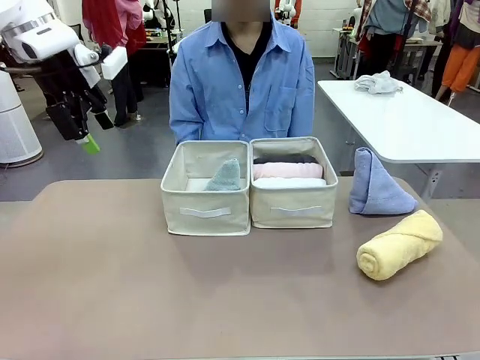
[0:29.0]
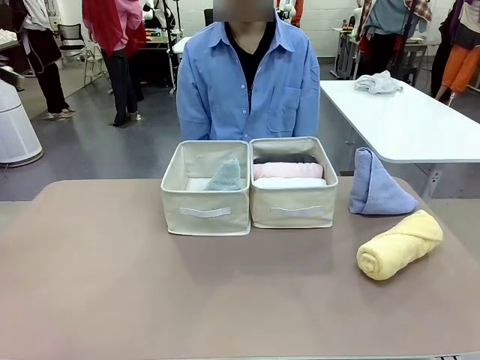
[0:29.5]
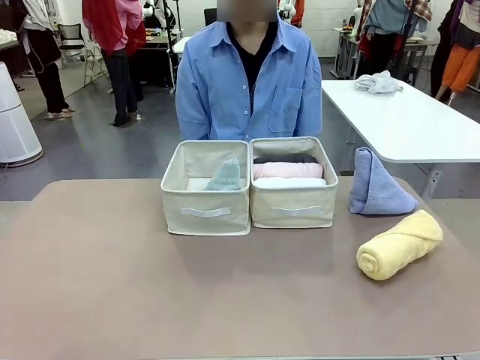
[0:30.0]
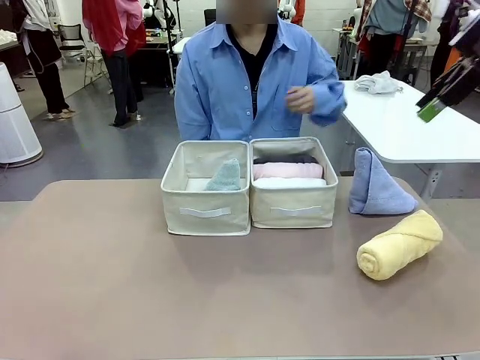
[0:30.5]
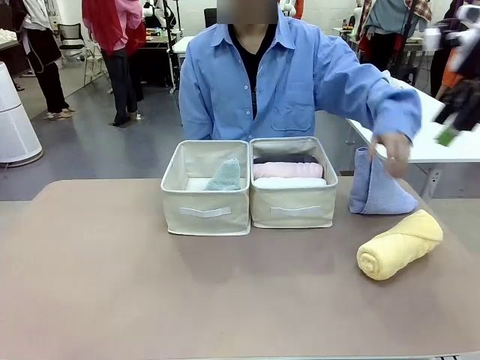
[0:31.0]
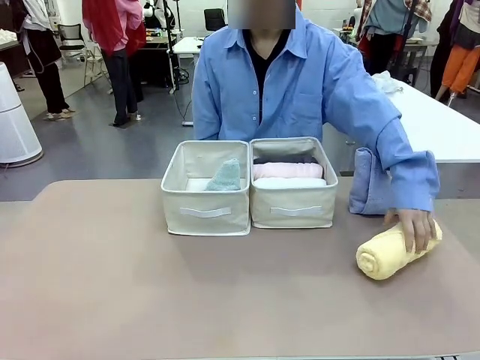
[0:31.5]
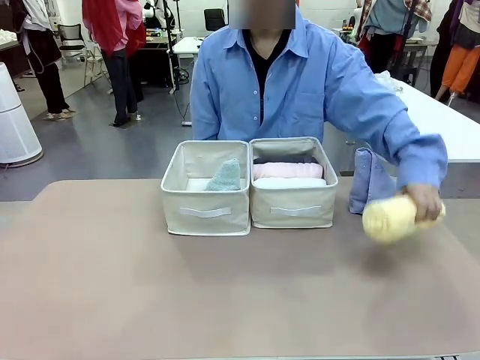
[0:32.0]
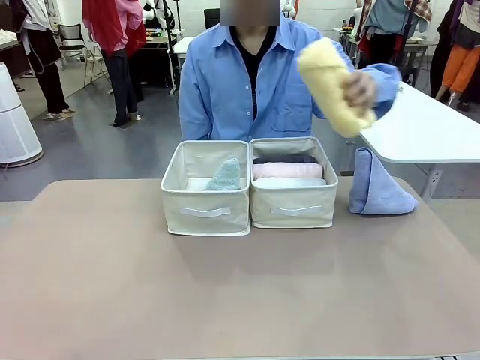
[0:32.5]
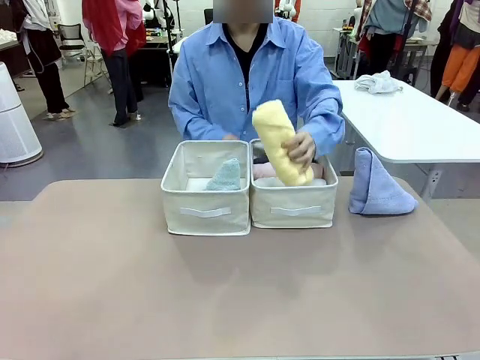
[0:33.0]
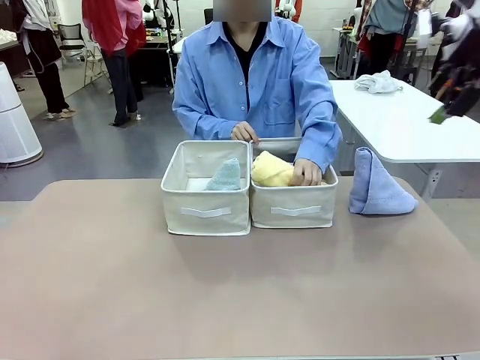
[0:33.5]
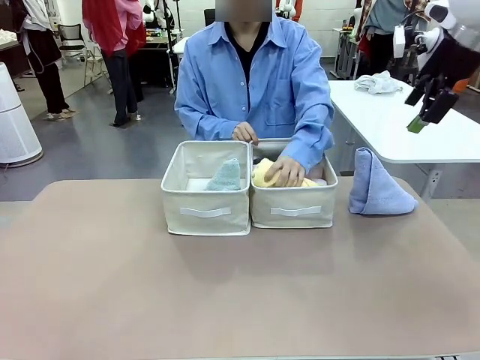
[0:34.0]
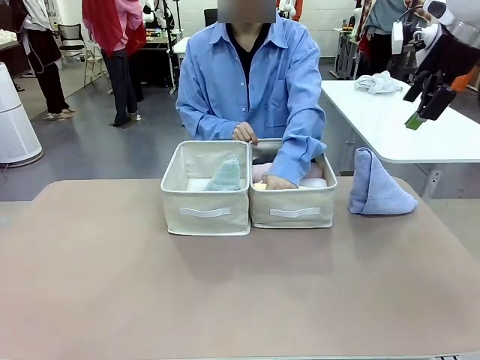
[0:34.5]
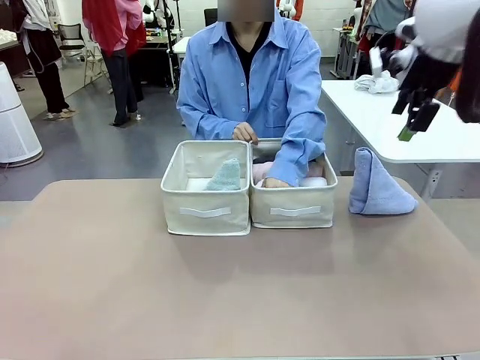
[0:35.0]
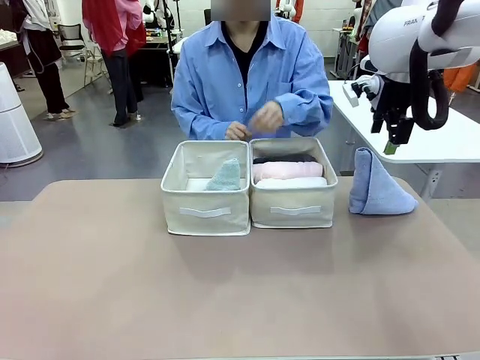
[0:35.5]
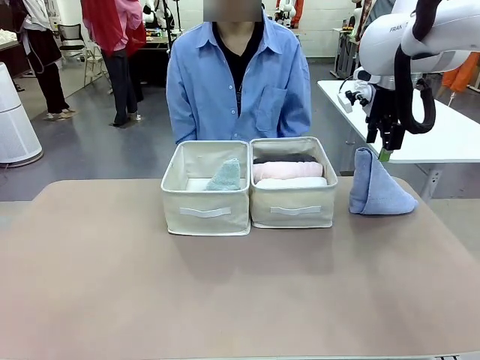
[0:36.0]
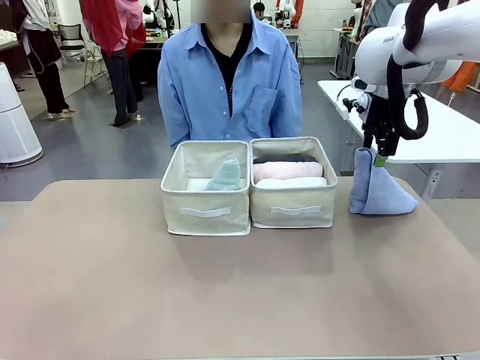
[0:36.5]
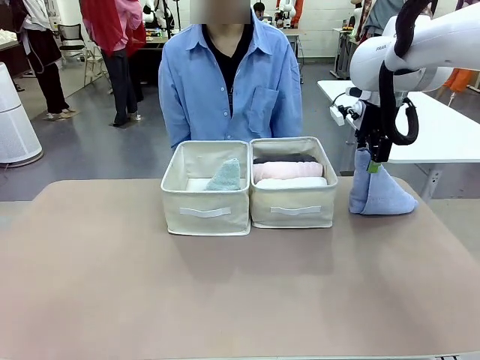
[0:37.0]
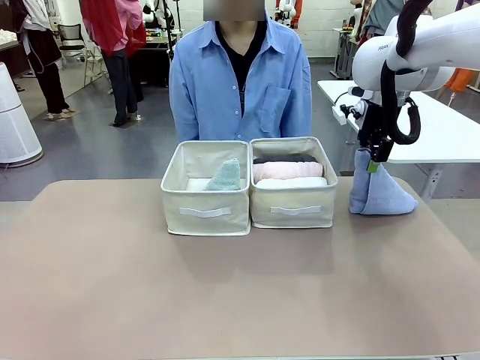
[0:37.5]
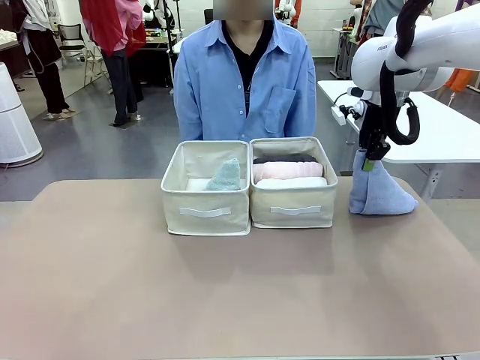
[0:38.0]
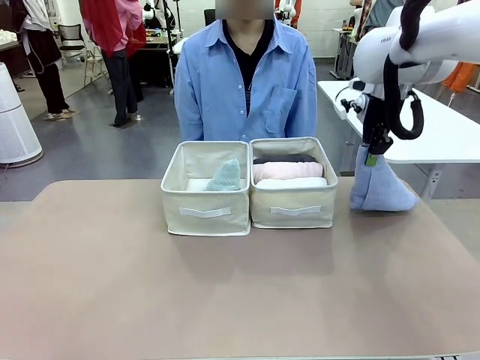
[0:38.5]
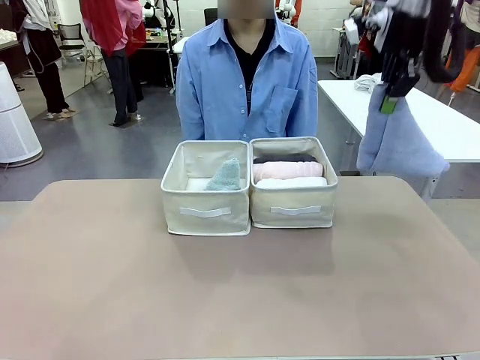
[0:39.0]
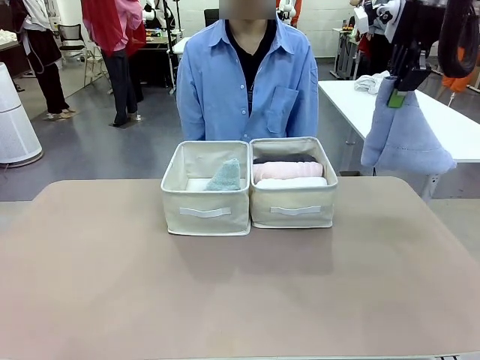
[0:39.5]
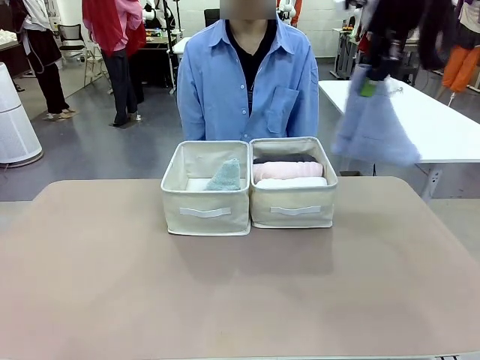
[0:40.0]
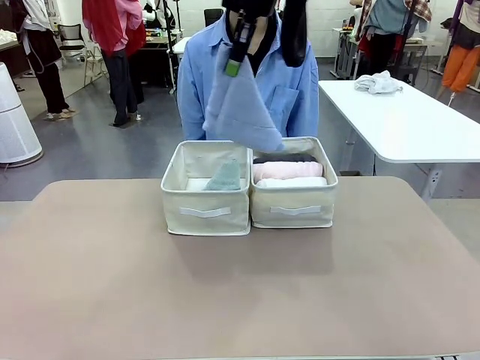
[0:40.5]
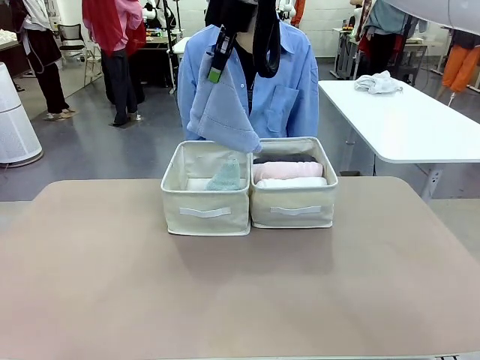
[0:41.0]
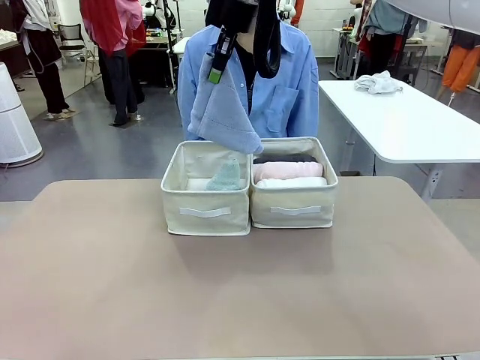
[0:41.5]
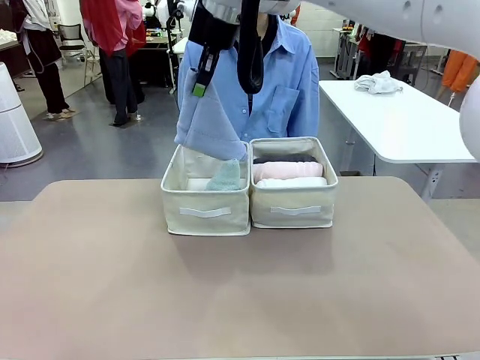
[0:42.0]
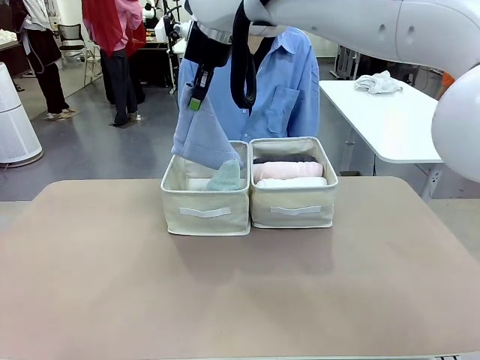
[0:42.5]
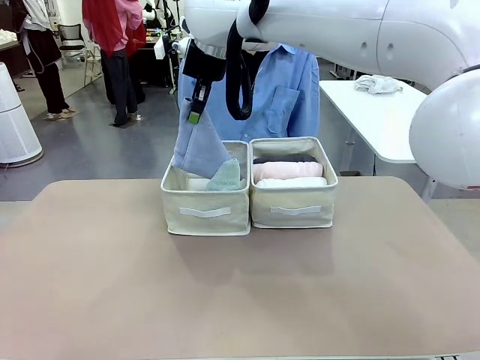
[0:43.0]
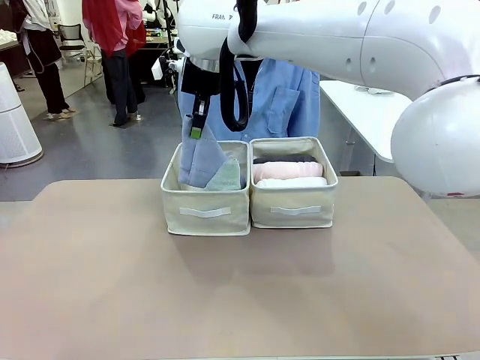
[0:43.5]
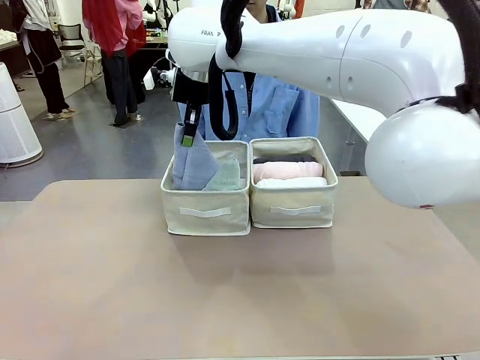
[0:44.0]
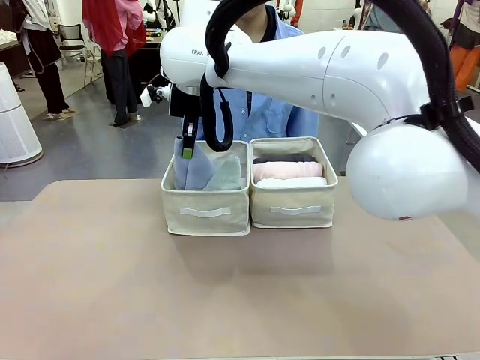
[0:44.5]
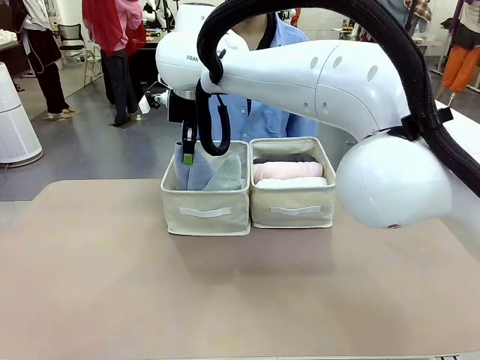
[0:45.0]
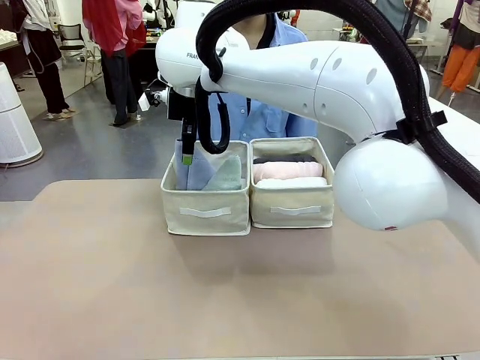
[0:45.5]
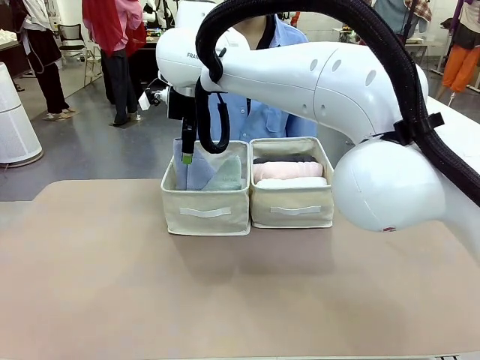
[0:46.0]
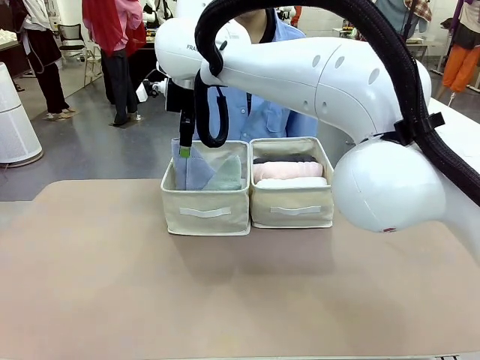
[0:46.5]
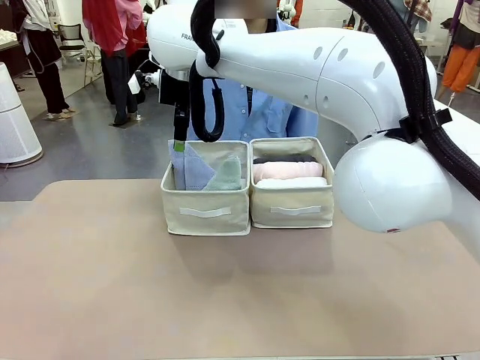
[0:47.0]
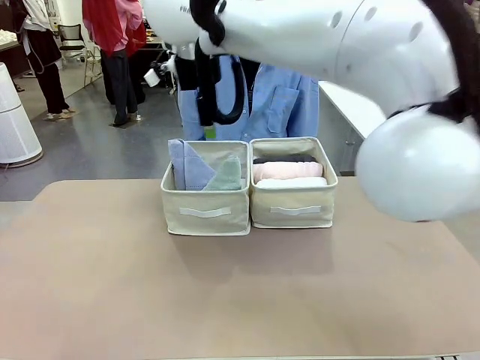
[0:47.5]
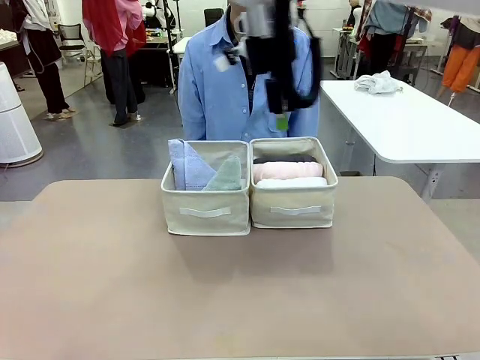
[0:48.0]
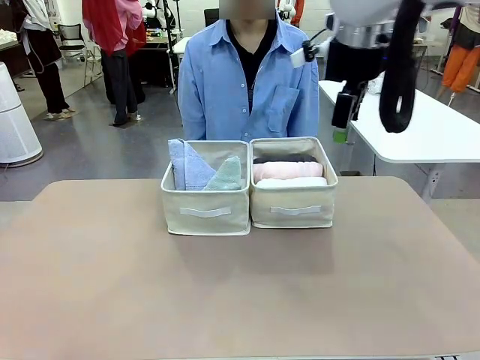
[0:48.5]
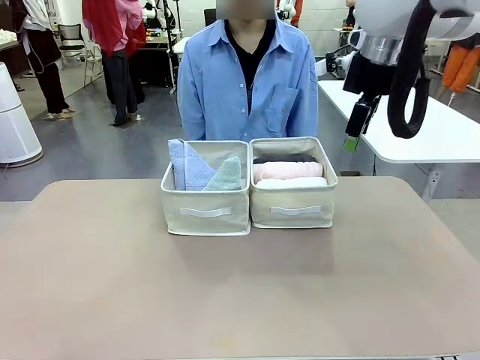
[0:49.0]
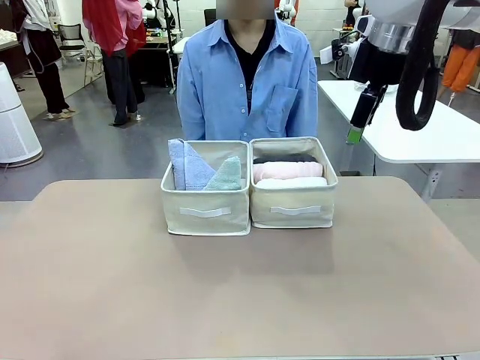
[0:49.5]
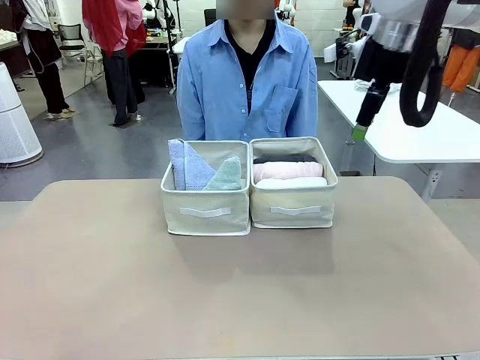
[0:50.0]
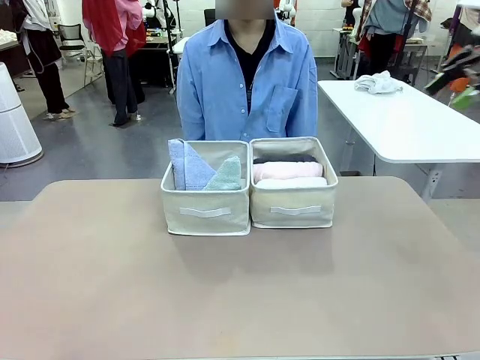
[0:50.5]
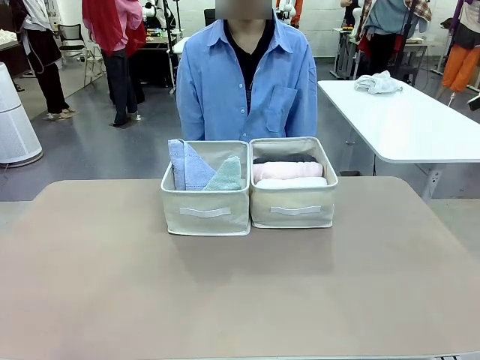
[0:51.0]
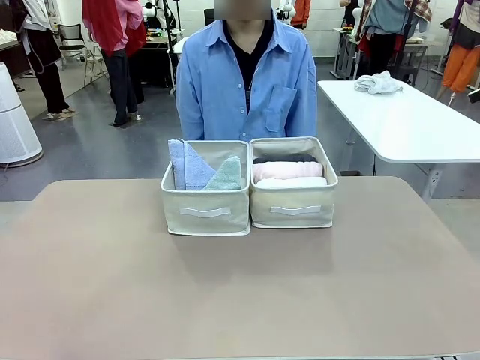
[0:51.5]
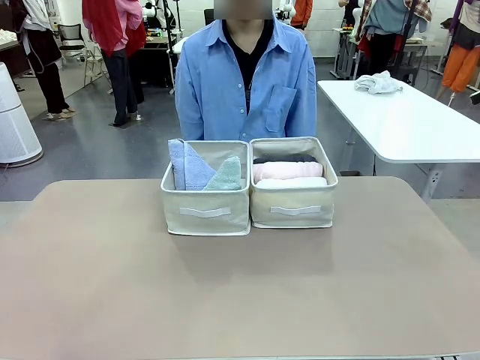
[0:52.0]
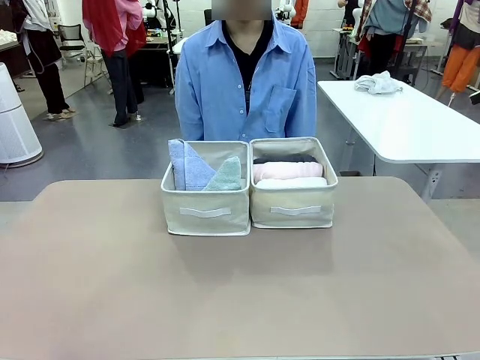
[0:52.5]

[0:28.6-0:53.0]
Task: Sort the towels based on their folding style.
Robot: Pick up another triangle-folded towel from the table and place it in the left Fabric basket.
Person: Pick up one hotel-style rolled towel from the table and place it in the left fabric basket.
